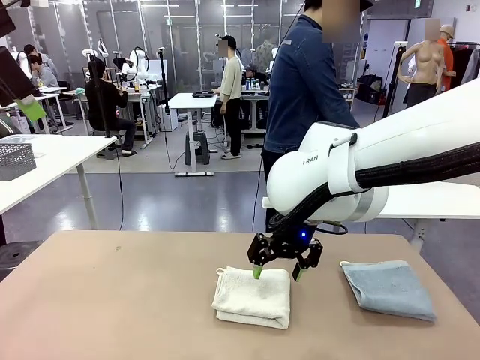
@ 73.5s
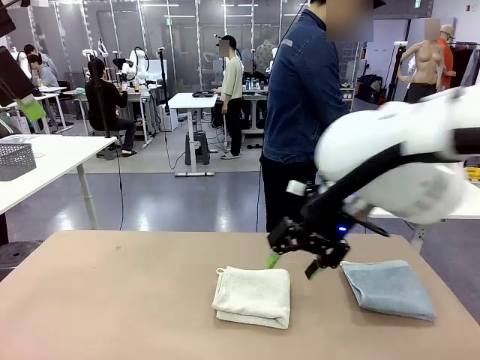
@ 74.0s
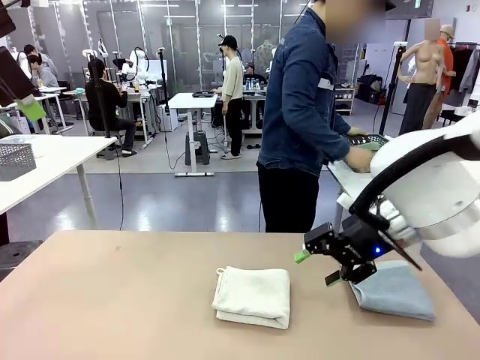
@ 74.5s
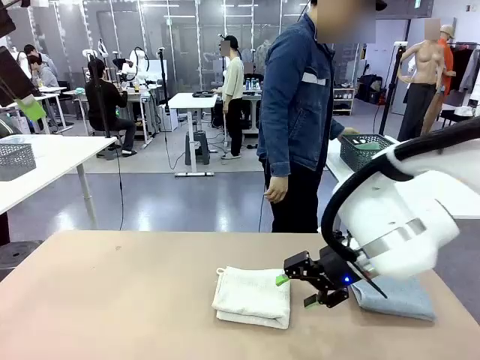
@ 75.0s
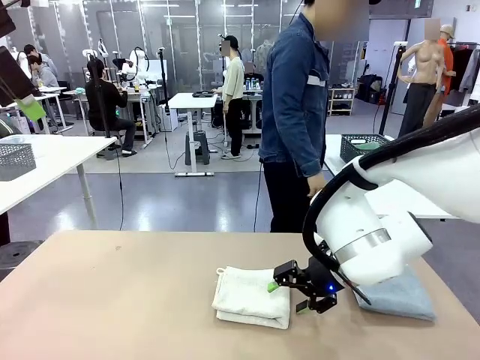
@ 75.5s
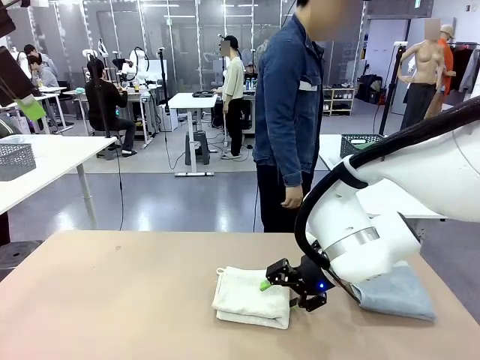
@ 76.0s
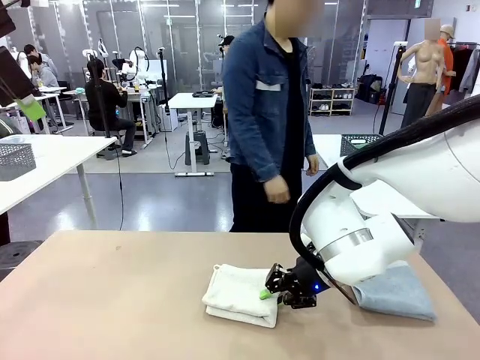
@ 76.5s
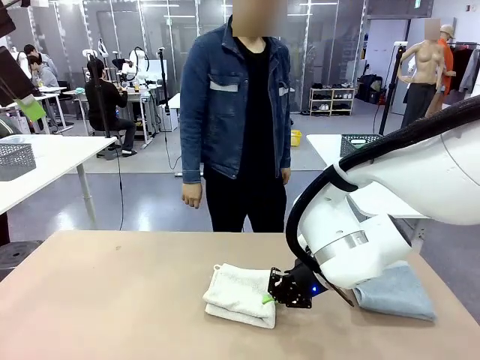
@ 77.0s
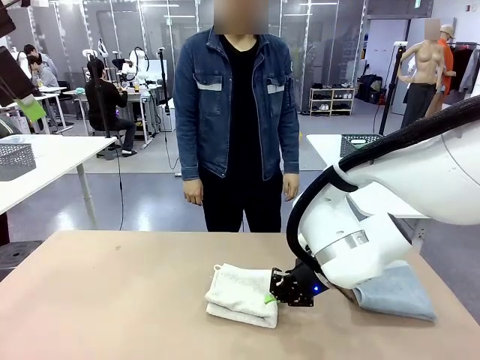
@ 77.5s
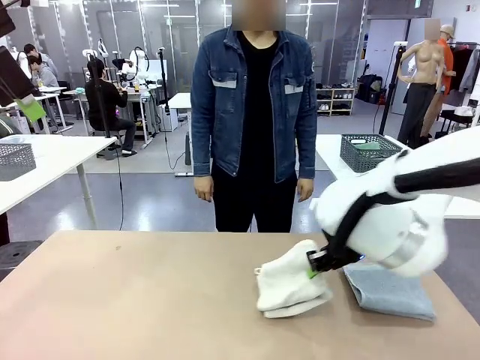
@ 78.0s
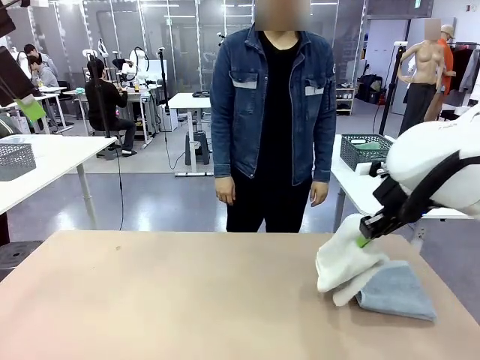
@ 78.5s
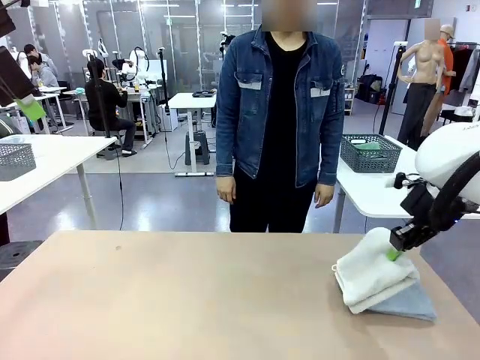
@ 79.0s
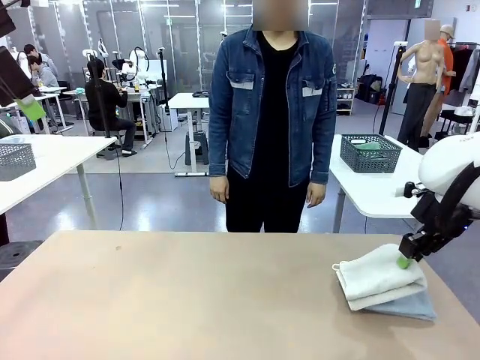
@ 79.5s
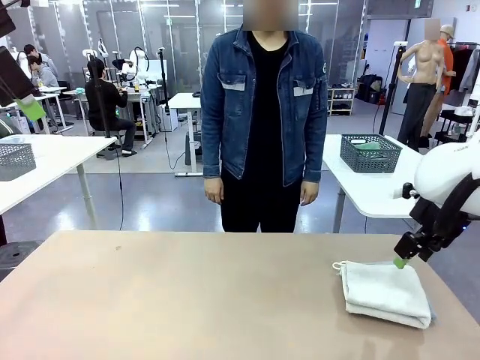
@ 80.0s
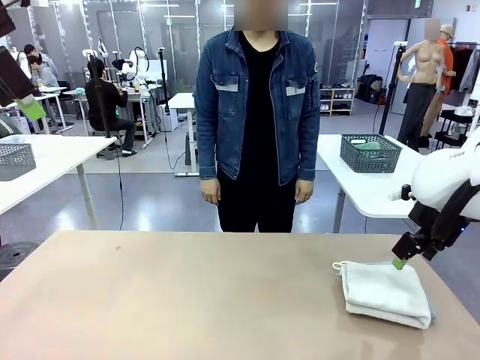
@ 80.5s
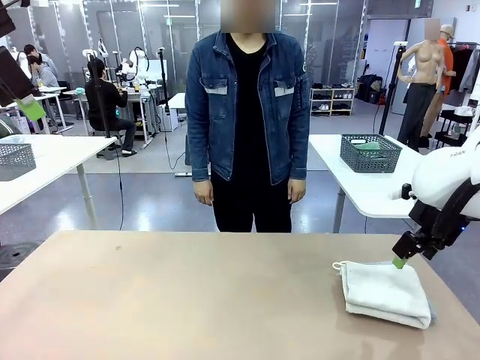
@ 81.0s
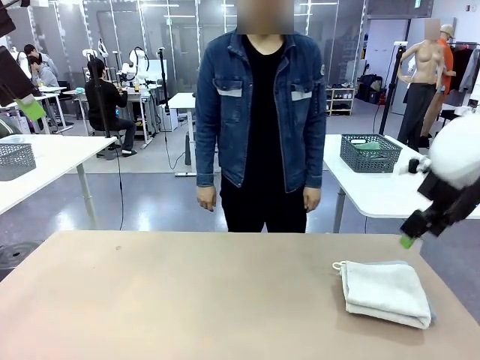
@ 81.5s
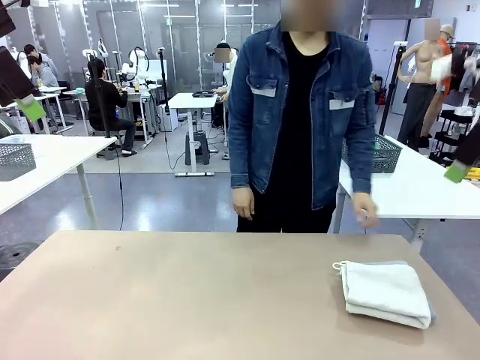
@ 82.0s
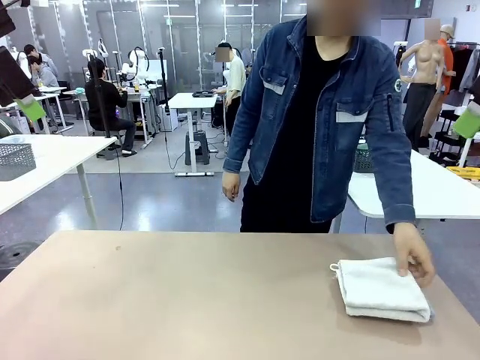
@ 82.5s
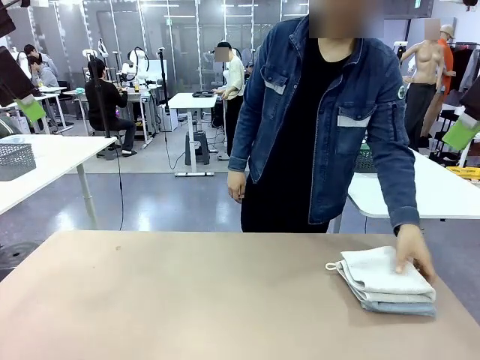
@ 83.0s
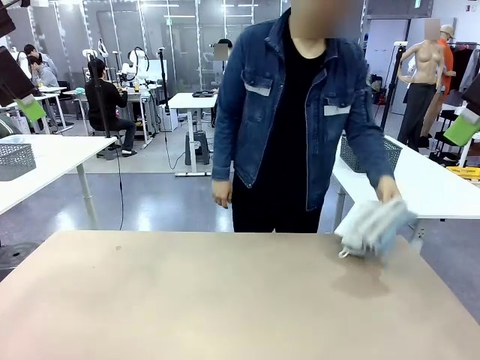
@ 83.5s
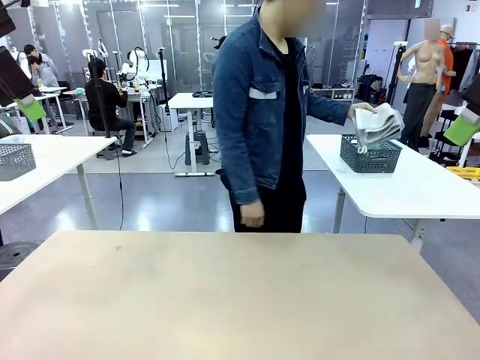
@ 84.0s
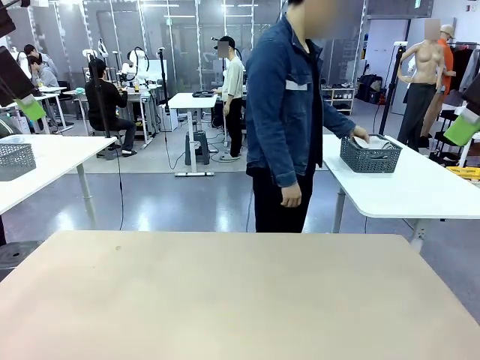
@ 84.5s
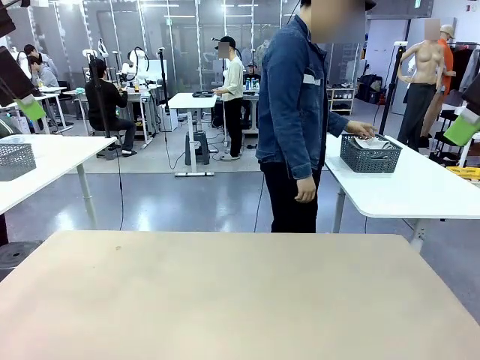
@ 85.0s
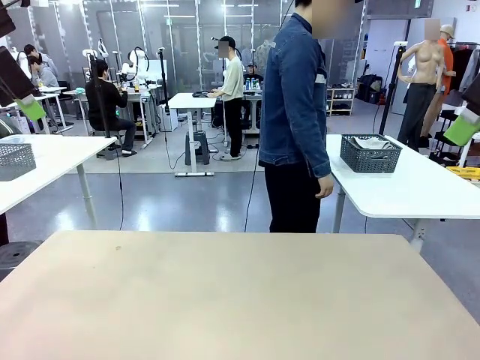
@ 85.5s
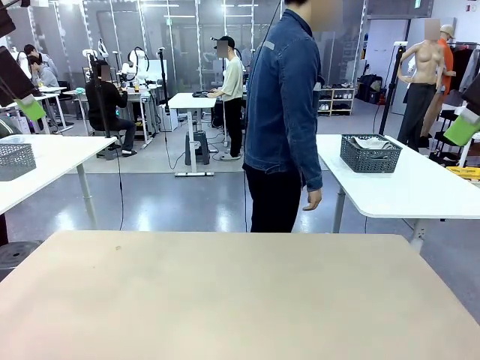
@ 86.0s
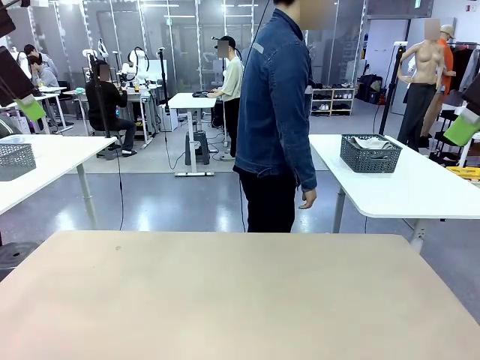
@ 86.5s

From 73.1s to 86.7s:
Task: Fold the towels and place them in the basket.
Robot: Stack the folded Towel with hook on the right side of the table.
Person: Pick up the stack of towels from the robot table and place it into the basket.

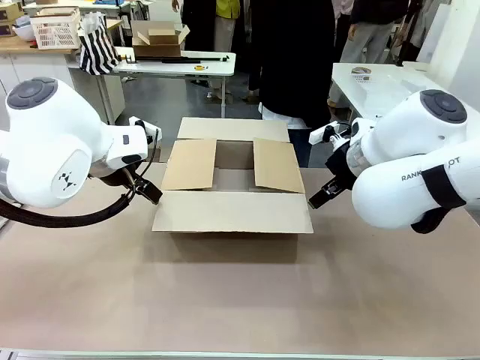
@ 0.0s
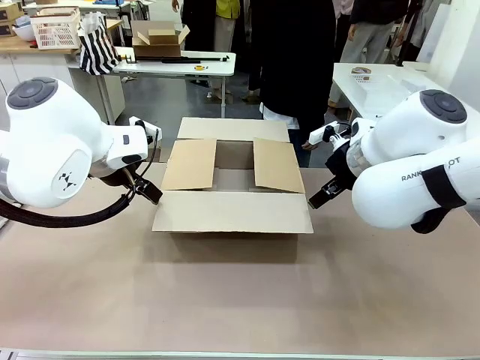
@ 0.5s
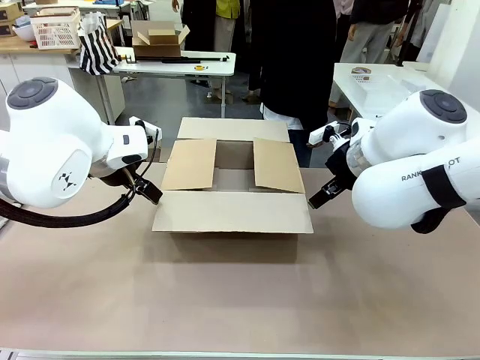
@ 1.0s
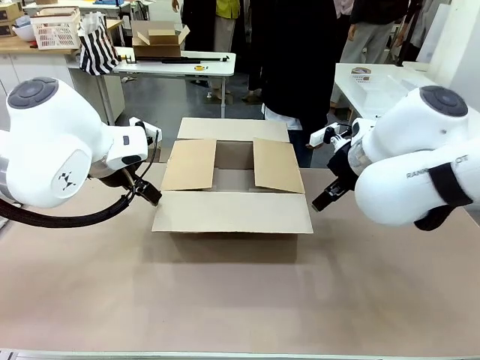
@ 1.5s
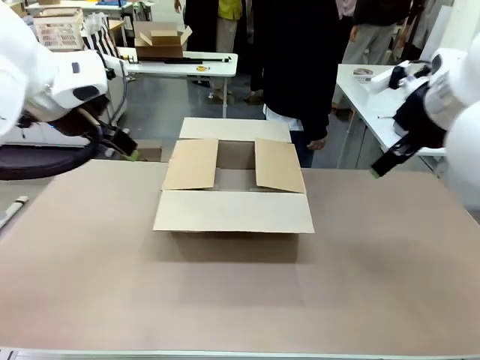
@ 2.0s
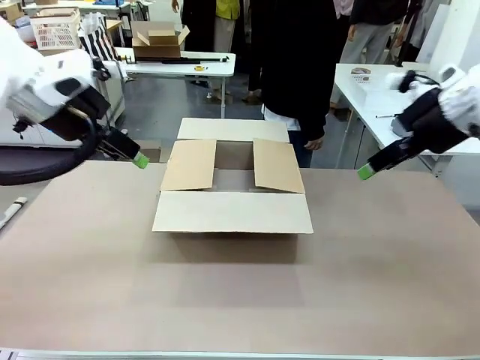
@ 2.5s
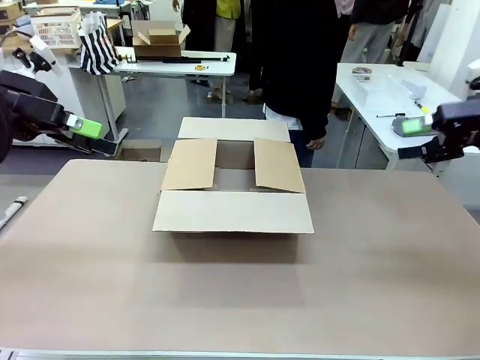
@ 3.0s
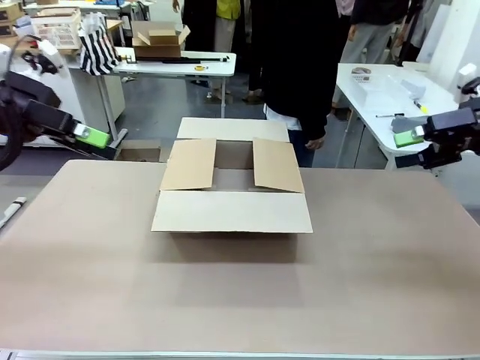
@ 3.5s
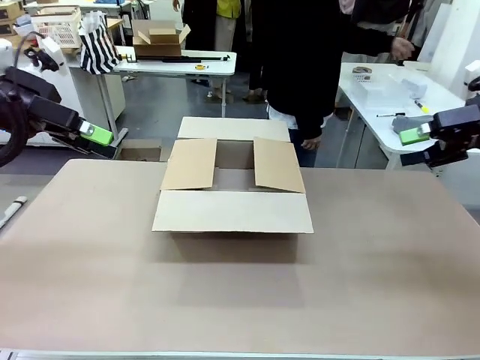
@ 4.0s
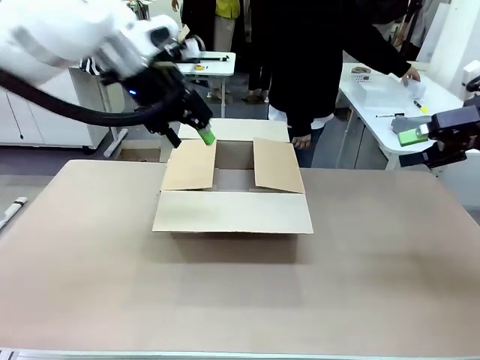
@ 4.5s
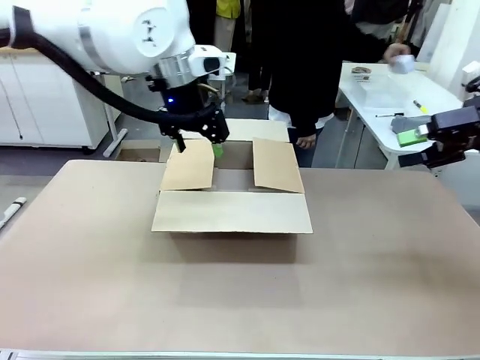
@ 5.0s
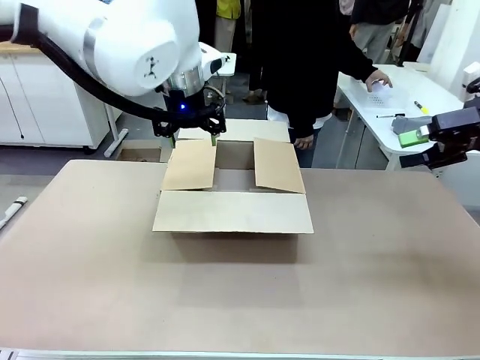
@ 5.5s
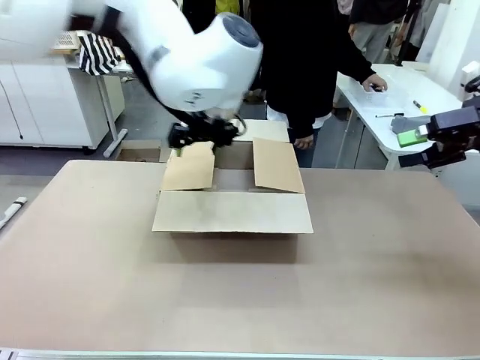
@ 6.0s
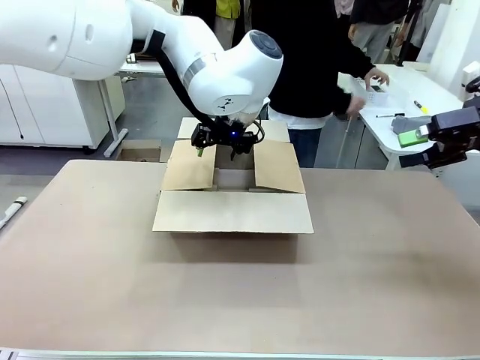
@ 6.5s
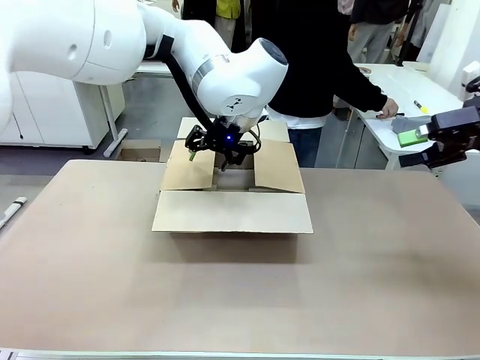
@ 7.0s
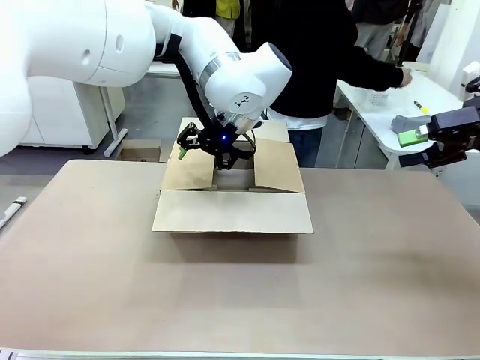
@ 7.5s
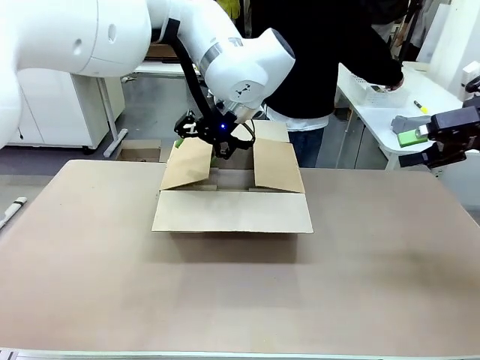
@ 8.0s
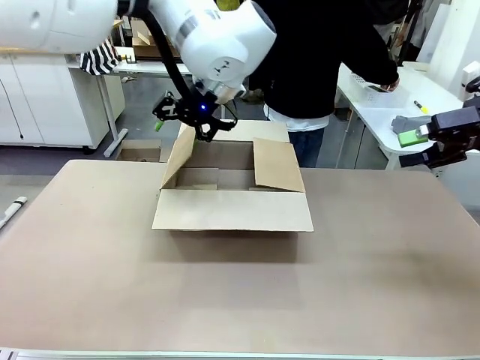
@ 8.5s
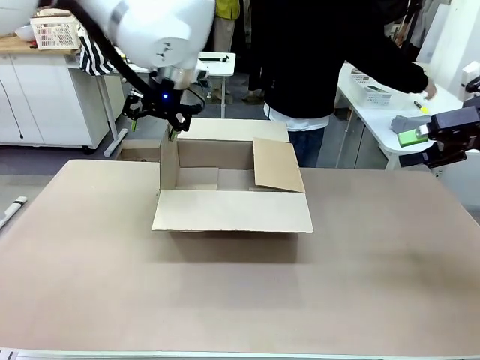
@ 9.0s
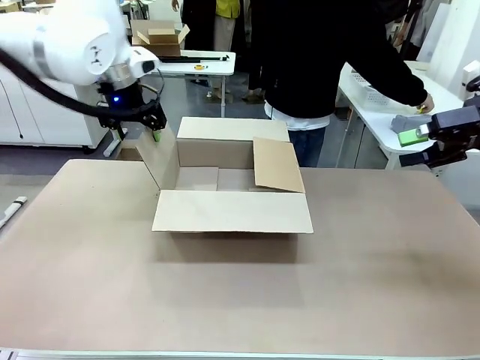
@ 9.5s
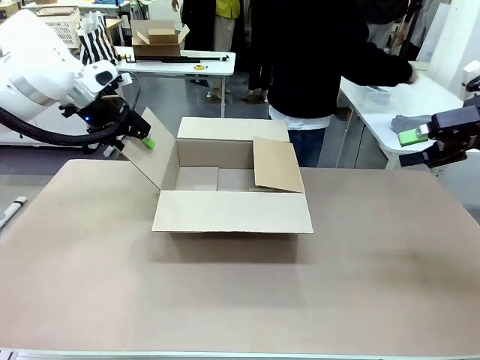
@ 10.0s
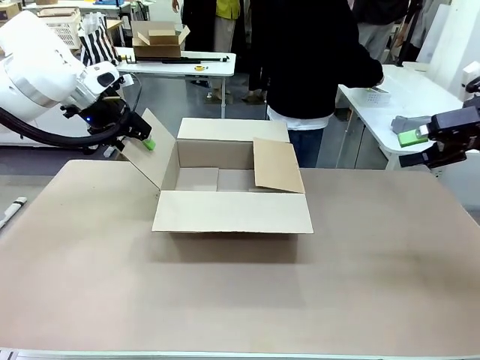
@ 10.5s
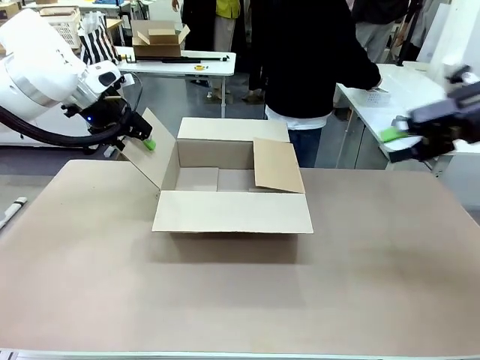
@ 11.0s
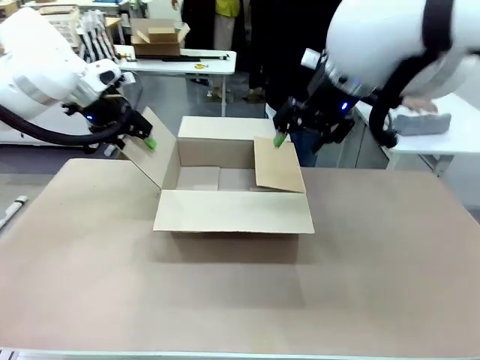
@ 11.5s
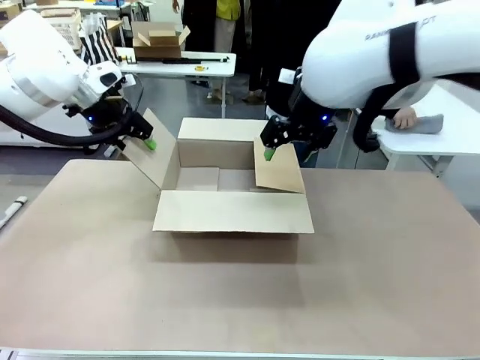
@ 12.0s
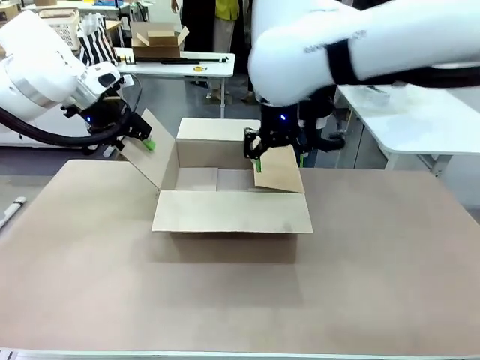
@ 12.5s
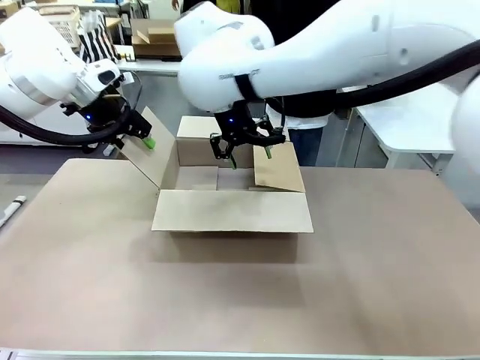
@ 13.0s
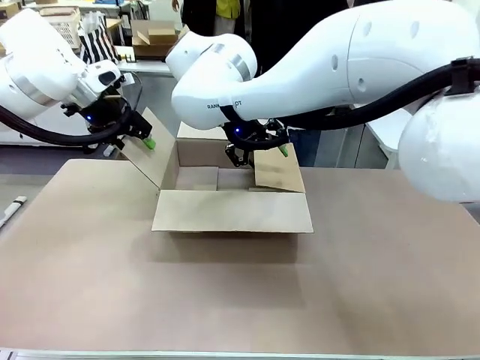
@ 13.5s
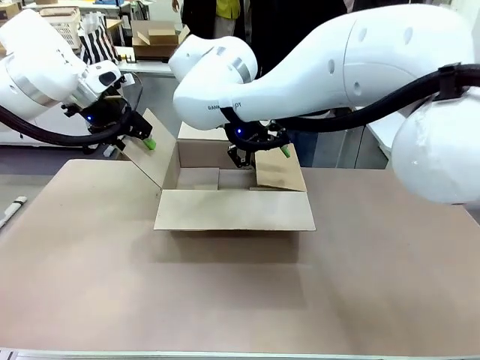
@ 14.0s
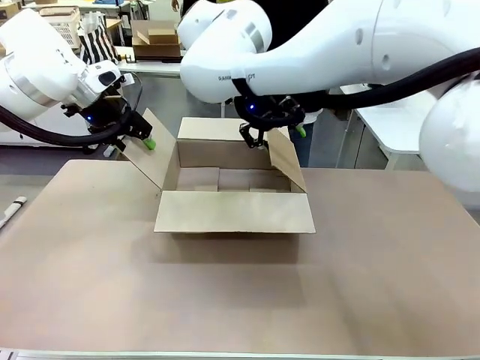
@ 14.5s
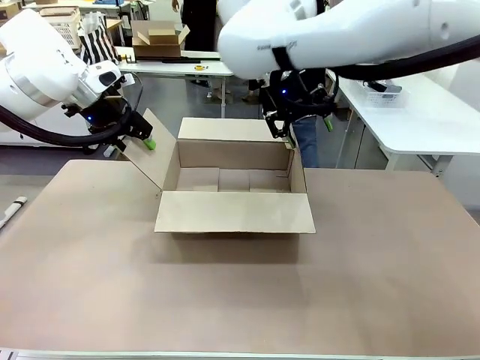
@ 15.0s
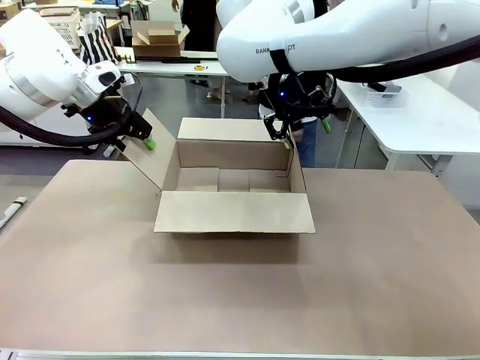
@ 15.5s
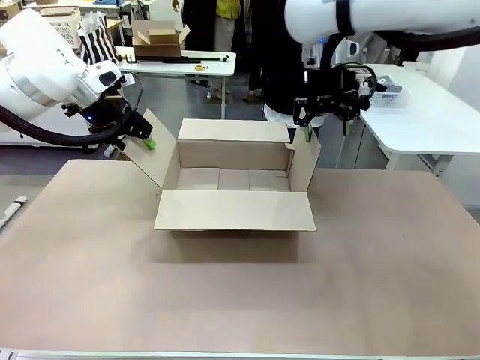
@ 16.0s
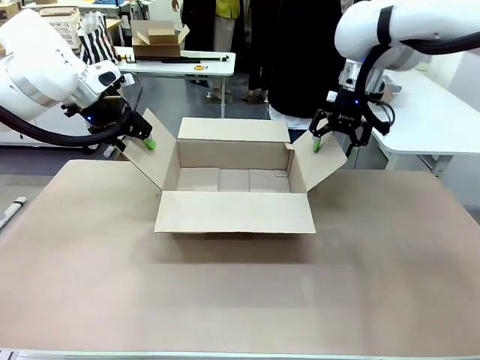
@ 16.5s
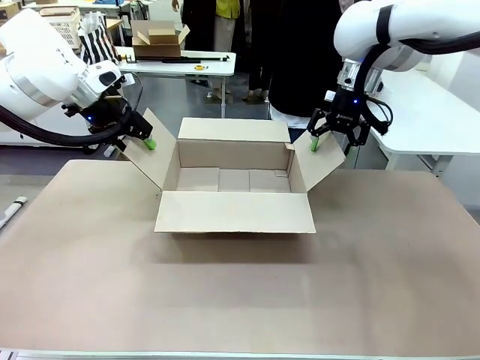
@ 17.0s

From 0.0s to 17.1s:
Task: Pack the gift set into the box.
Robot: Place both hands on the side flaps of the Package Box and spread them outward.
Person: The human places all items except the paper tape into the organizing basket.
